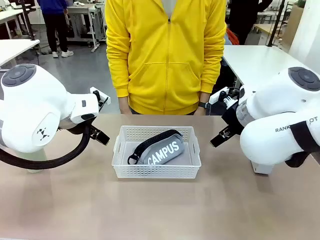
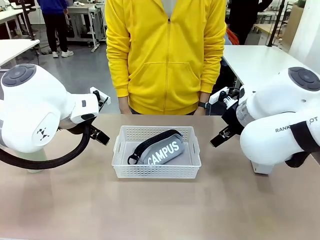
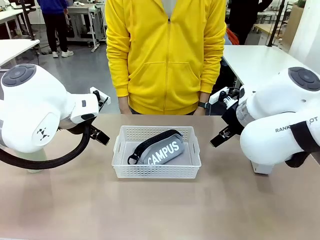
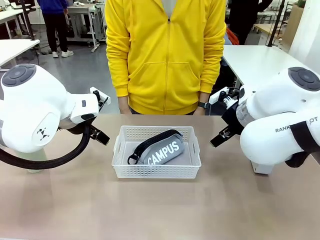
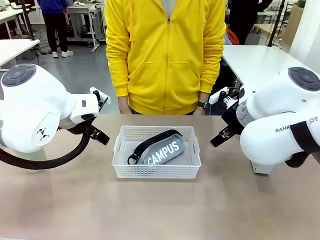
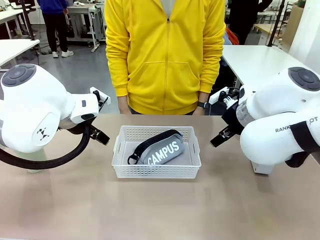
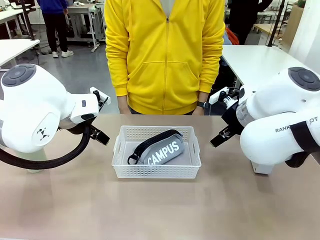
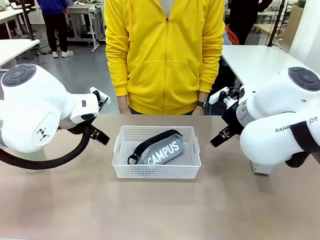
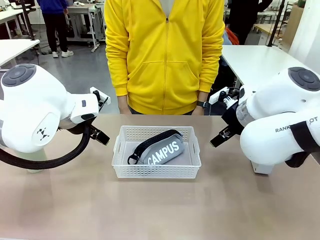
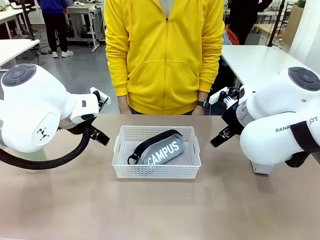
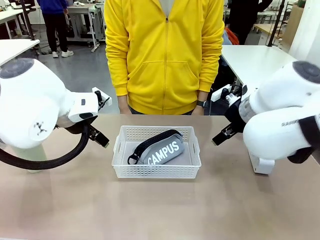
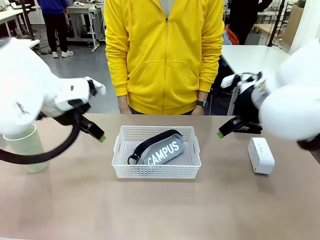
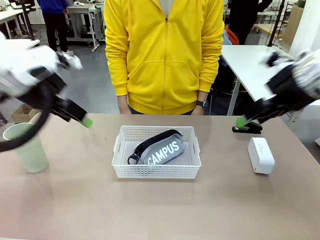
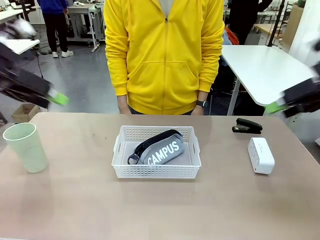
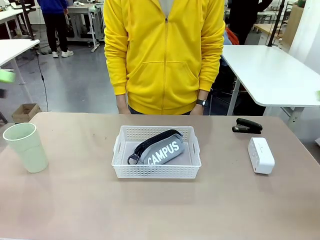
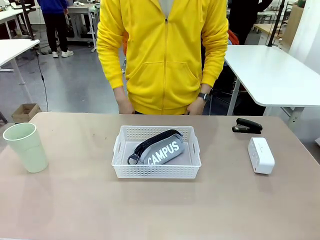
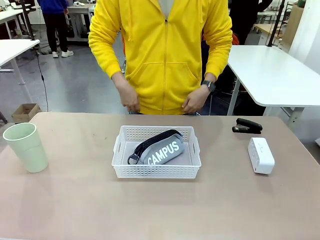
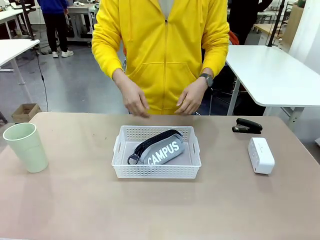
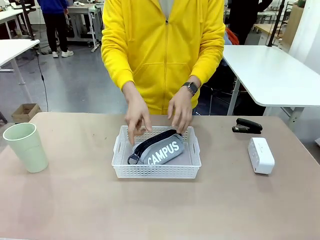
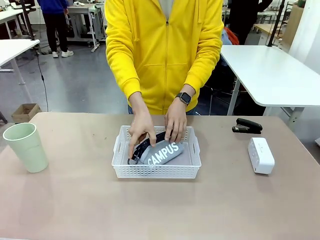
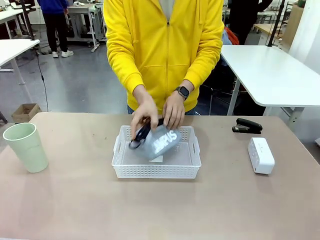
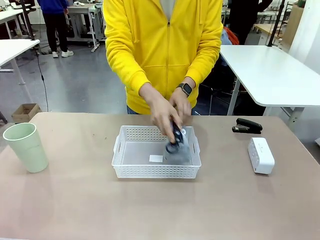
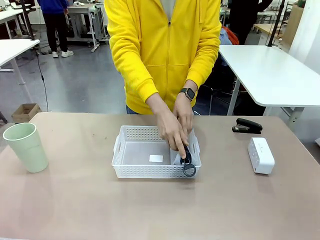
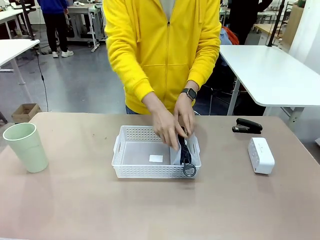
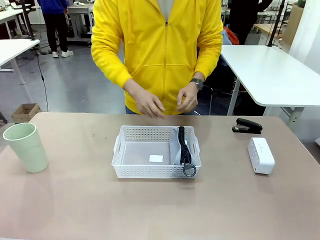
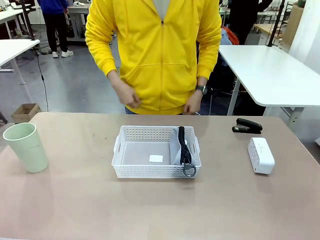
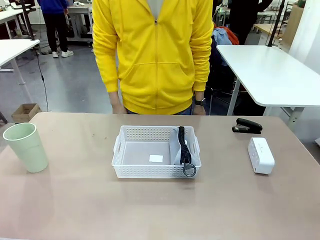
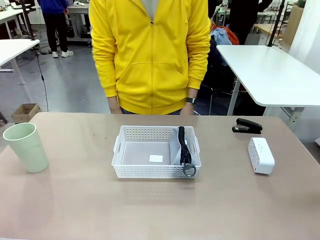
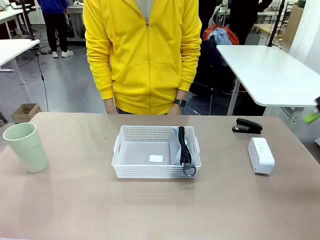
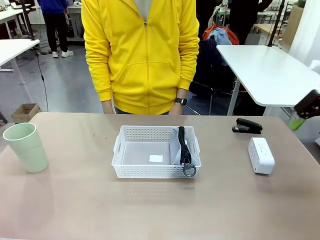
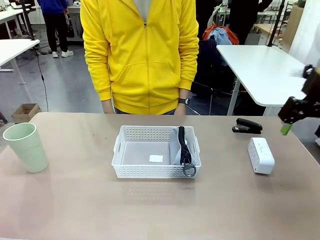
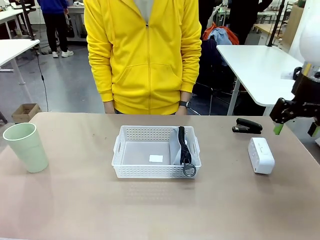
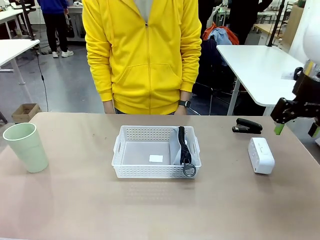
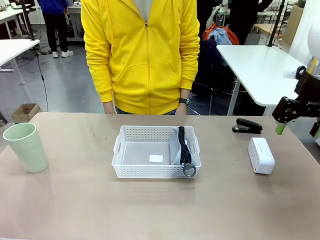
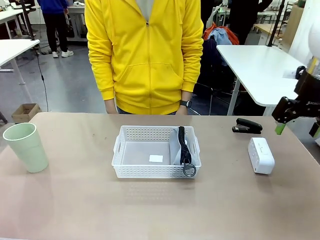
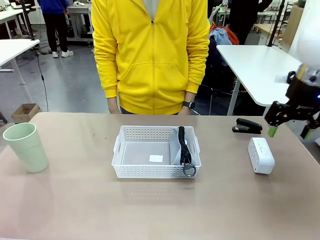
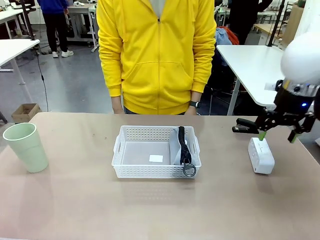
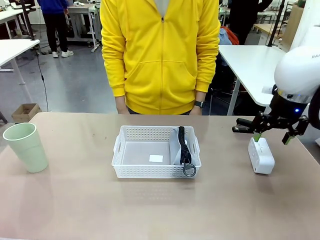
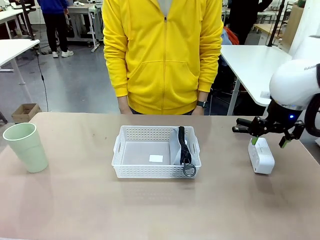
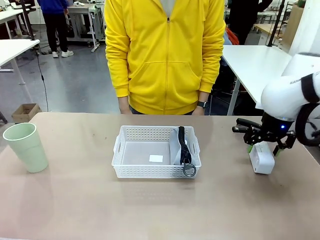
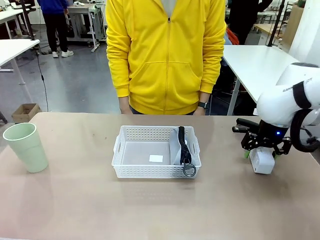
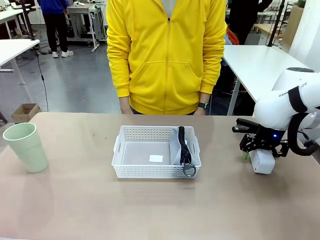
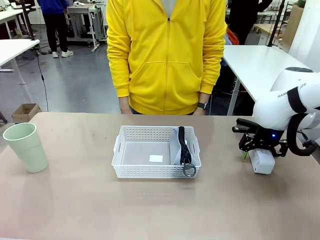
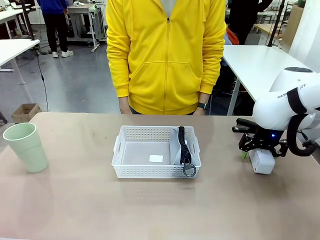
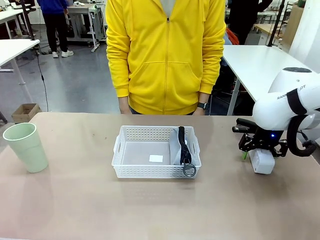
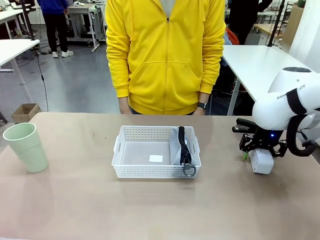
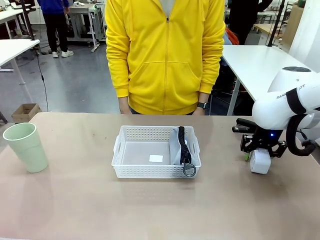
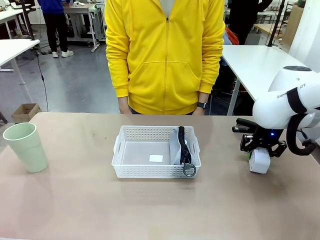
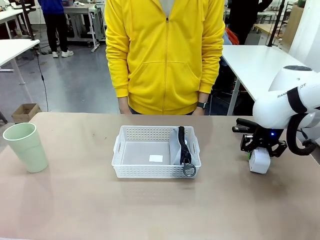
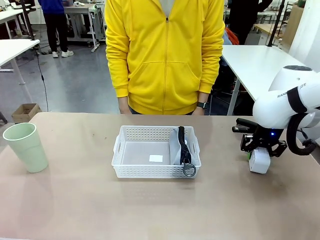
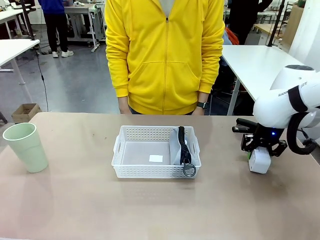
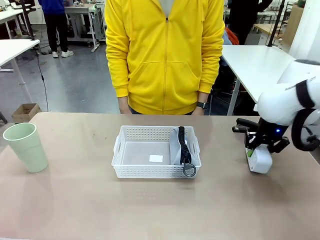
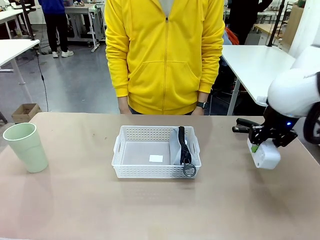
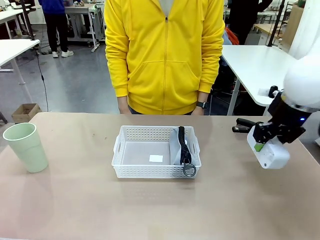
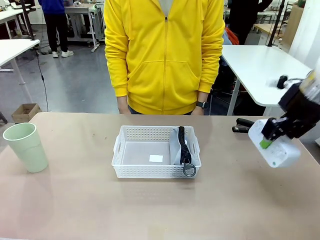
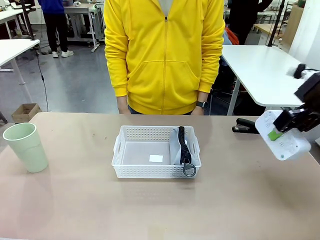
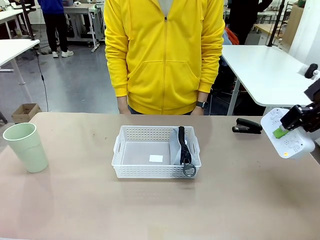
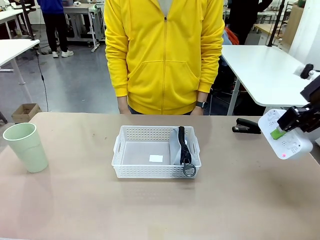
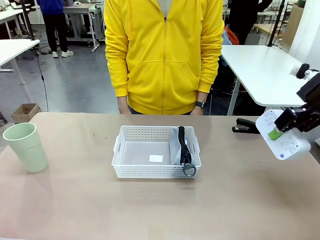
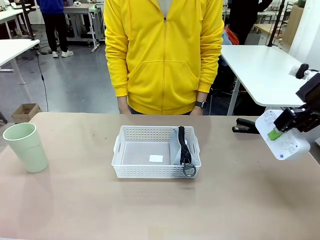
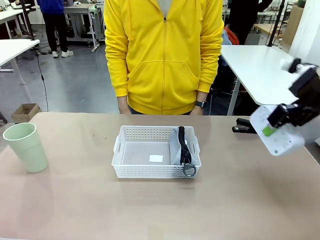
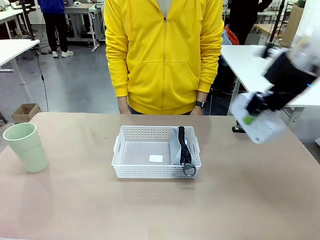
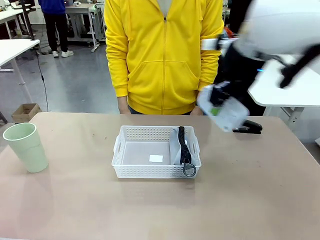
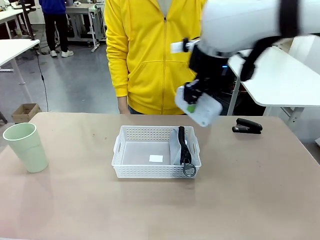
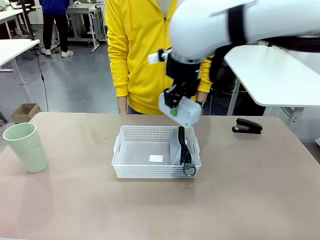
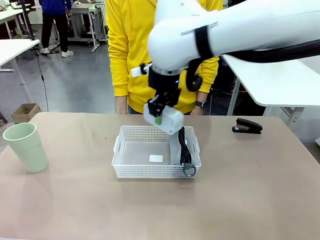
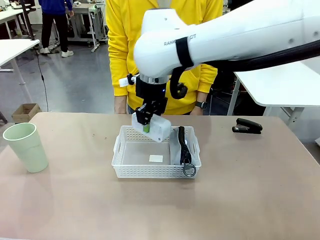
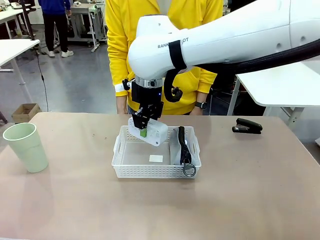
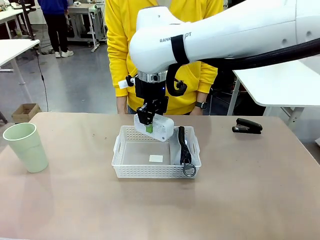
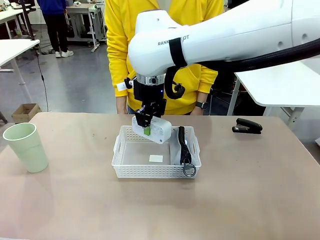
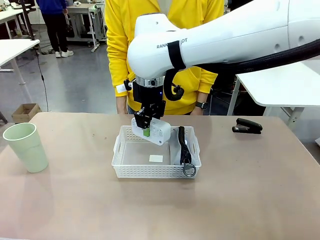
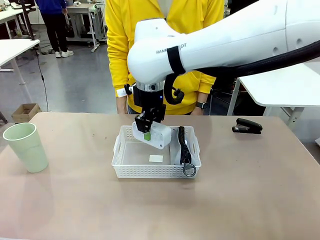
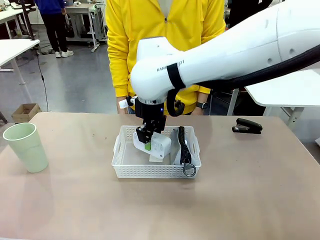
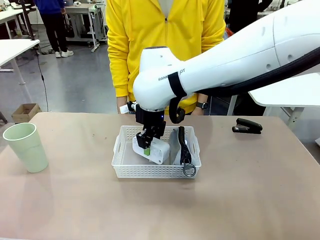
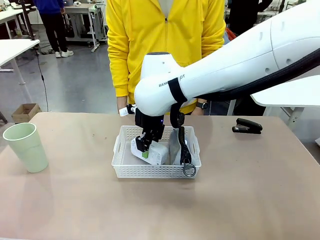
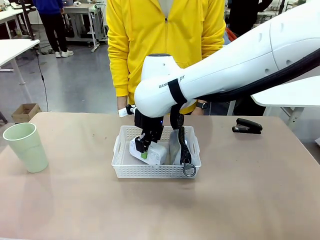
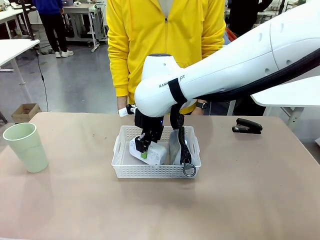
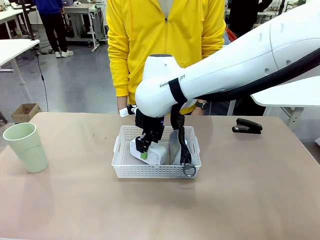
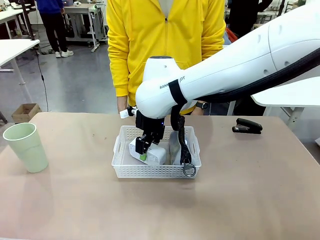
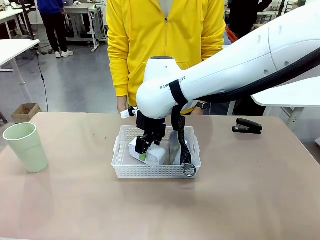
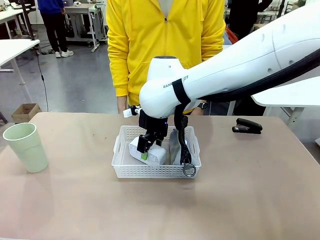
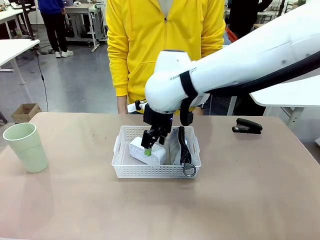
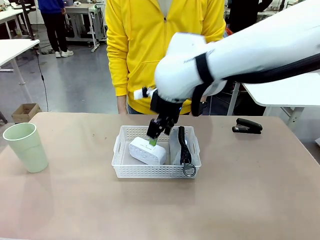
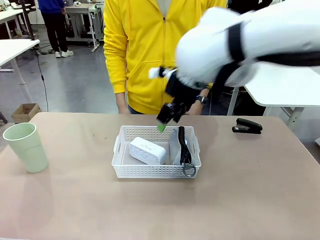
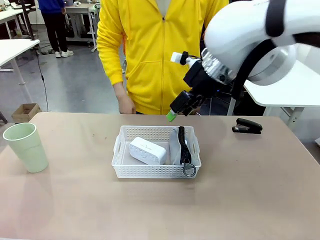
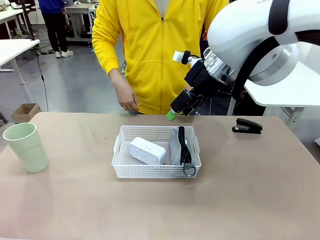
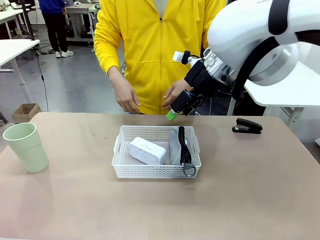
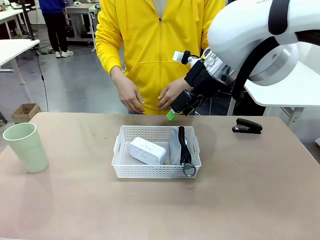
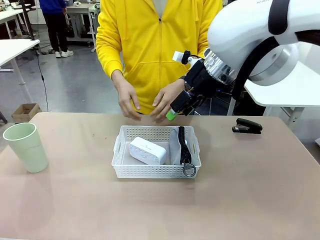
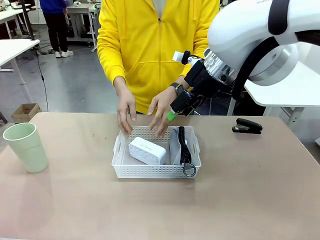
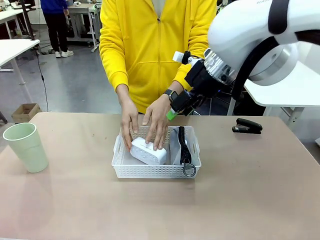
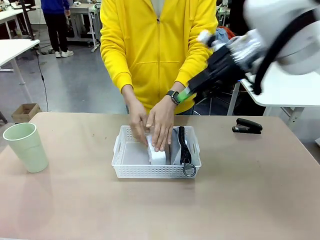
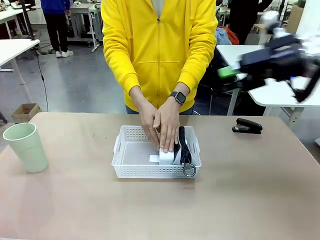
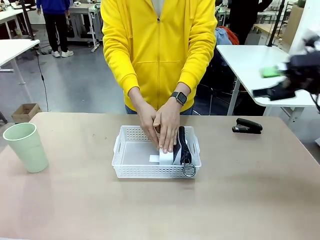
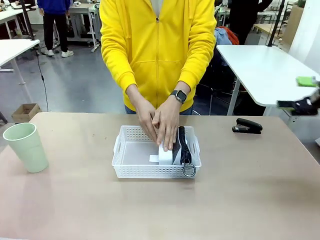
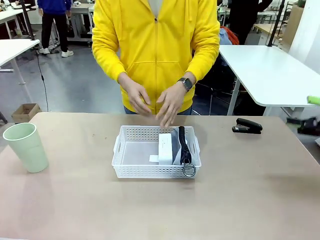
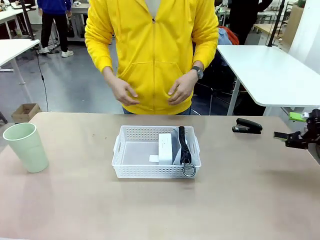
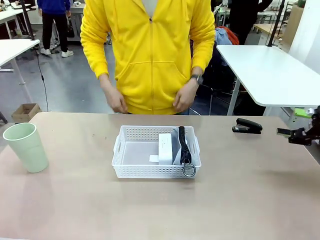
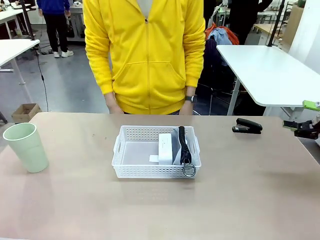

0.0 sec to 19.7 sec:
Task: Efficiently arrange items inside the basket to fit them all.
Robot: Pick up the Digital clock and place it inside the Organizing basket.
Person: Repositions the pencil case. Repositions the digital clock.
